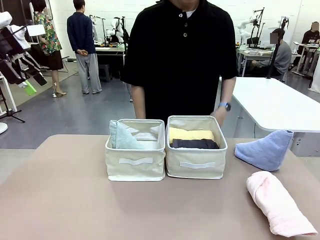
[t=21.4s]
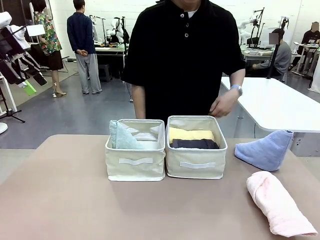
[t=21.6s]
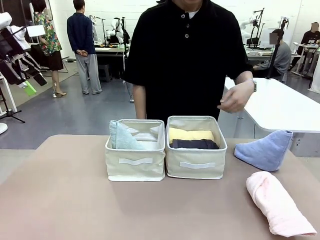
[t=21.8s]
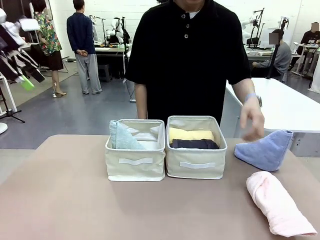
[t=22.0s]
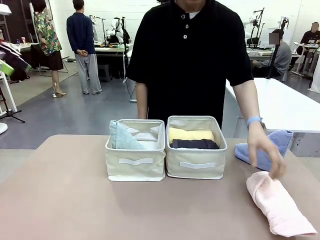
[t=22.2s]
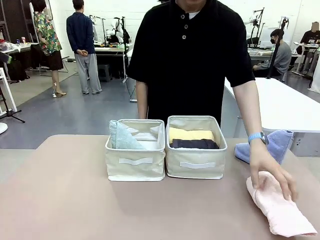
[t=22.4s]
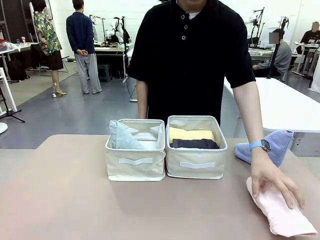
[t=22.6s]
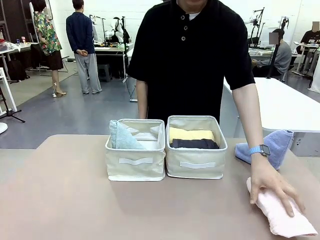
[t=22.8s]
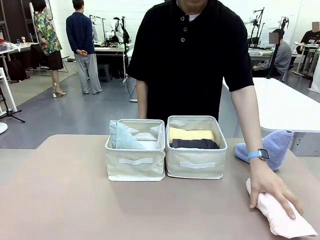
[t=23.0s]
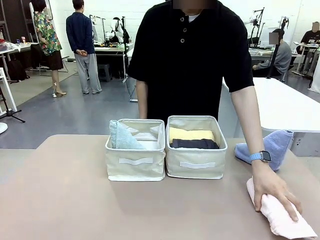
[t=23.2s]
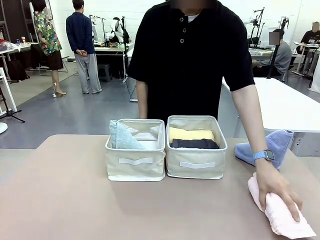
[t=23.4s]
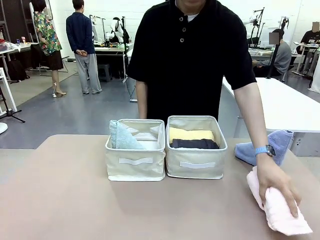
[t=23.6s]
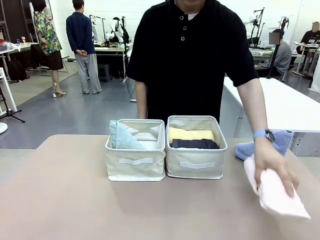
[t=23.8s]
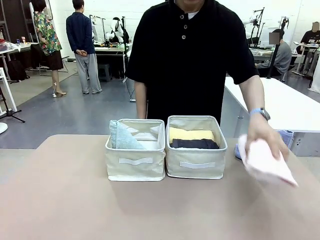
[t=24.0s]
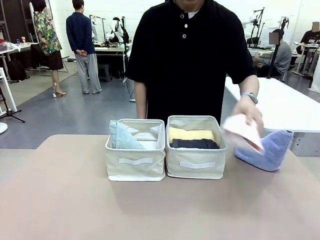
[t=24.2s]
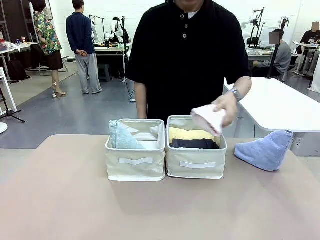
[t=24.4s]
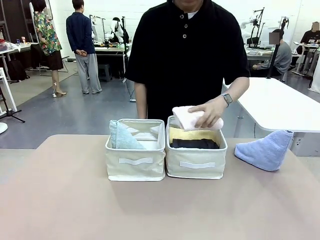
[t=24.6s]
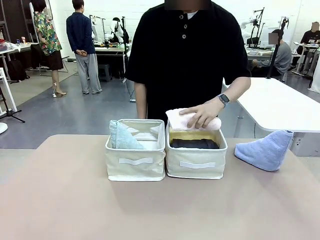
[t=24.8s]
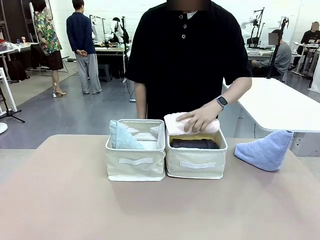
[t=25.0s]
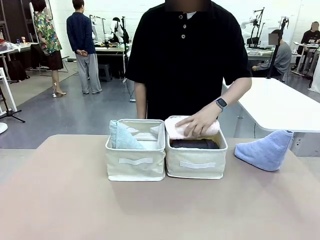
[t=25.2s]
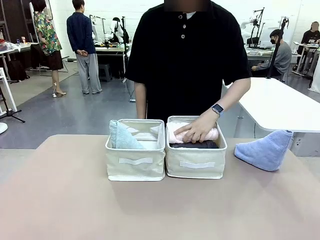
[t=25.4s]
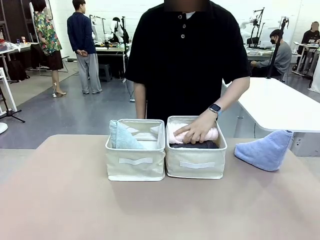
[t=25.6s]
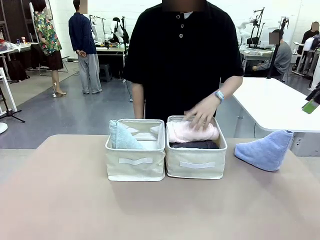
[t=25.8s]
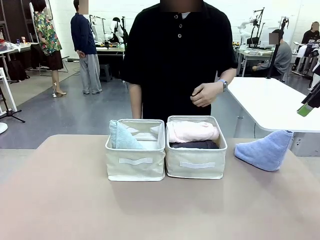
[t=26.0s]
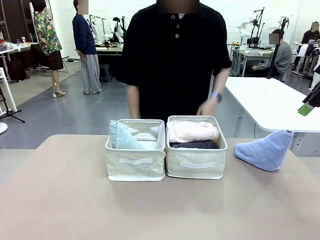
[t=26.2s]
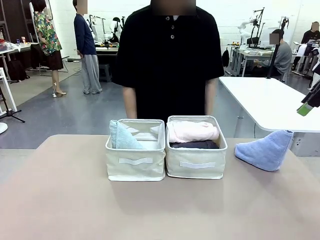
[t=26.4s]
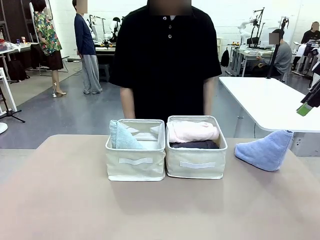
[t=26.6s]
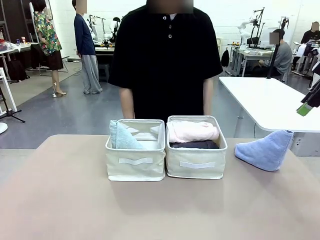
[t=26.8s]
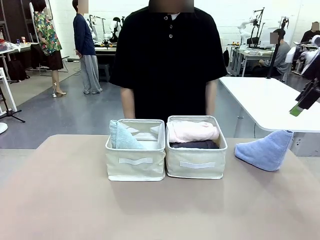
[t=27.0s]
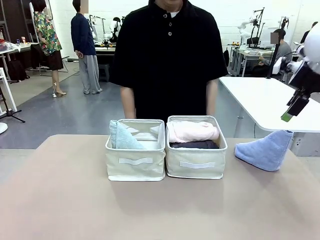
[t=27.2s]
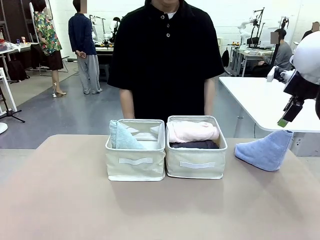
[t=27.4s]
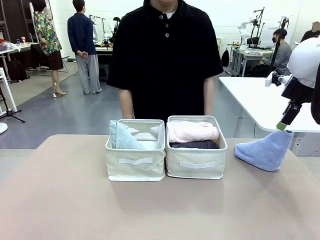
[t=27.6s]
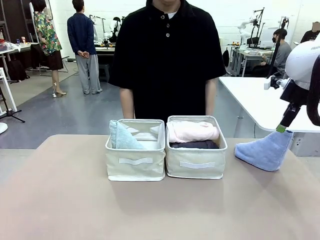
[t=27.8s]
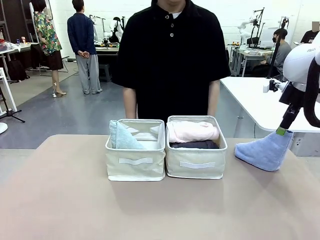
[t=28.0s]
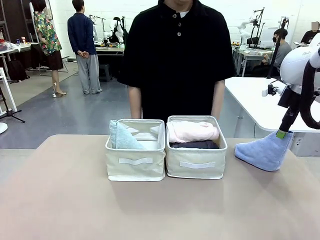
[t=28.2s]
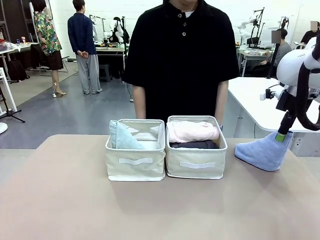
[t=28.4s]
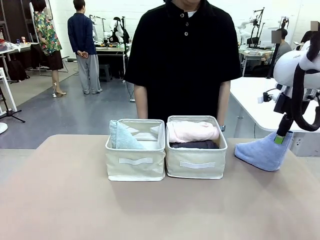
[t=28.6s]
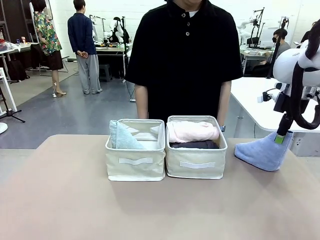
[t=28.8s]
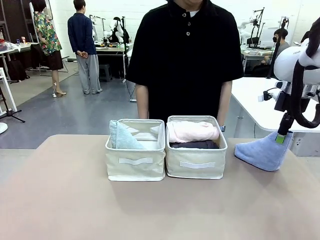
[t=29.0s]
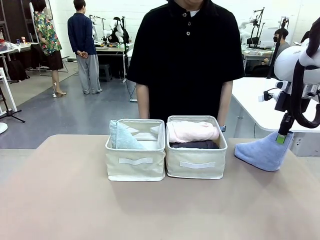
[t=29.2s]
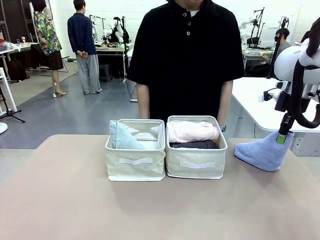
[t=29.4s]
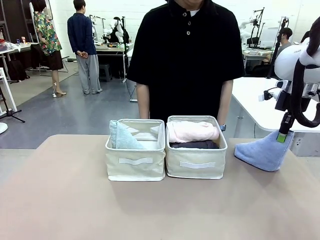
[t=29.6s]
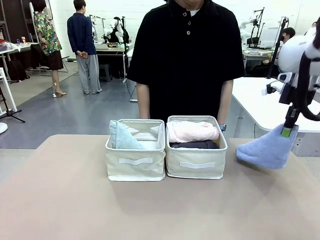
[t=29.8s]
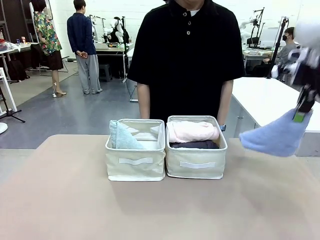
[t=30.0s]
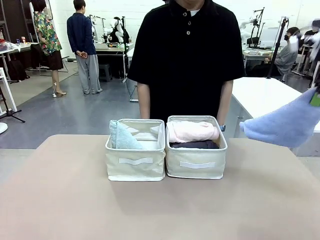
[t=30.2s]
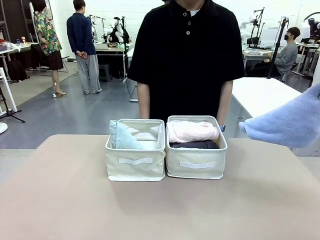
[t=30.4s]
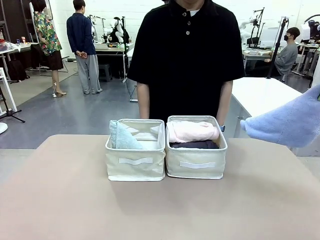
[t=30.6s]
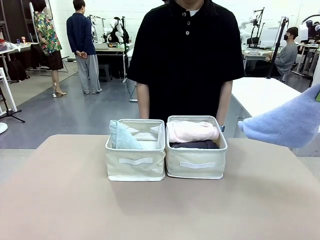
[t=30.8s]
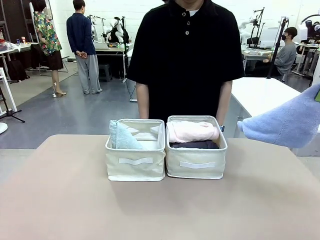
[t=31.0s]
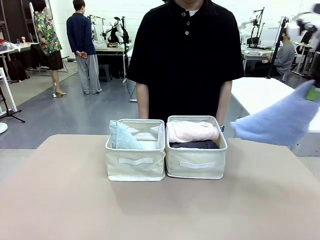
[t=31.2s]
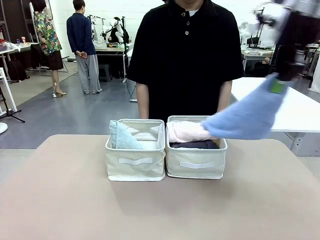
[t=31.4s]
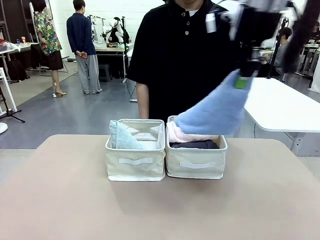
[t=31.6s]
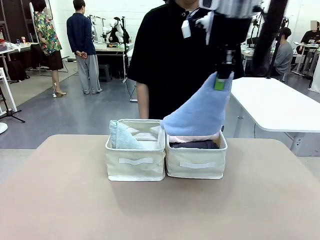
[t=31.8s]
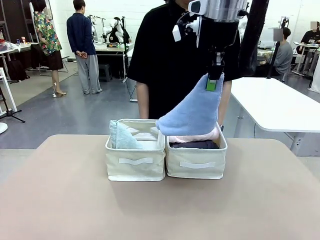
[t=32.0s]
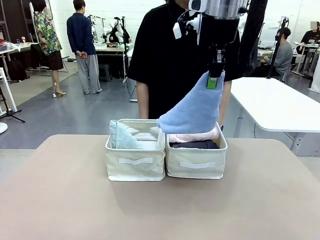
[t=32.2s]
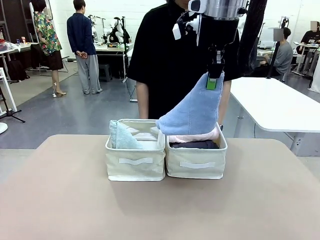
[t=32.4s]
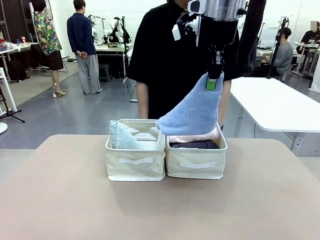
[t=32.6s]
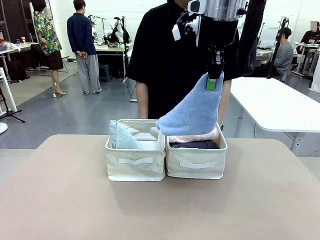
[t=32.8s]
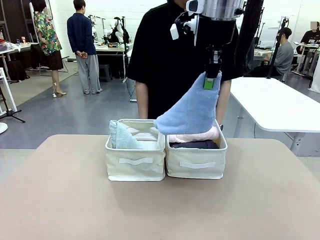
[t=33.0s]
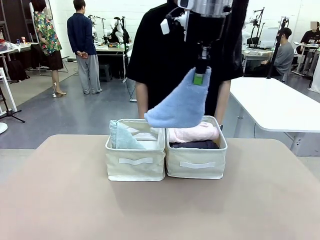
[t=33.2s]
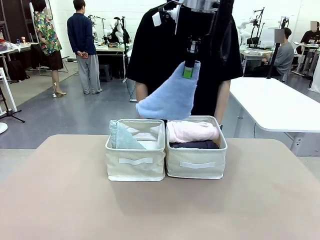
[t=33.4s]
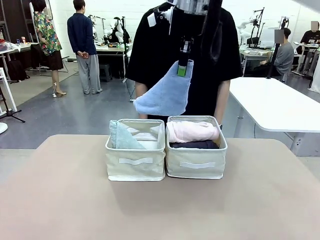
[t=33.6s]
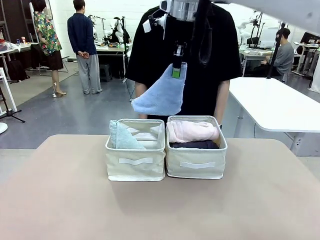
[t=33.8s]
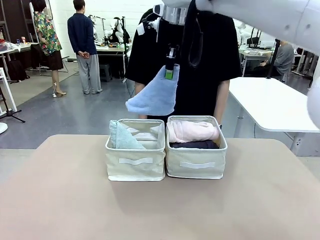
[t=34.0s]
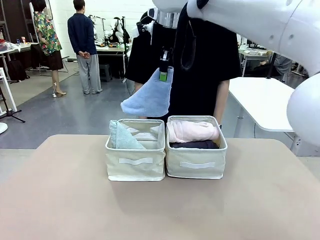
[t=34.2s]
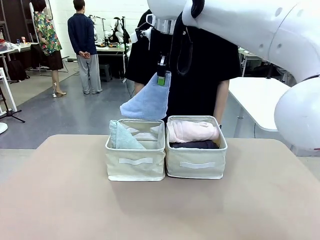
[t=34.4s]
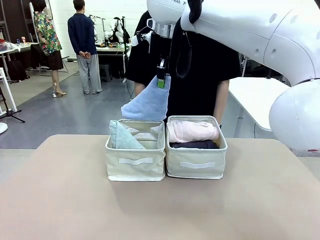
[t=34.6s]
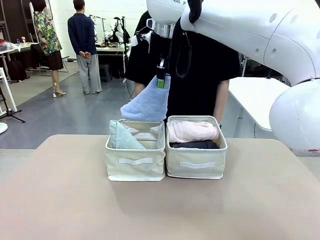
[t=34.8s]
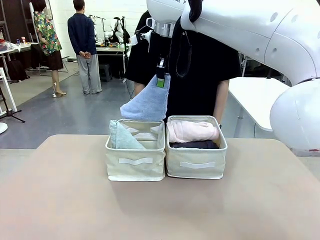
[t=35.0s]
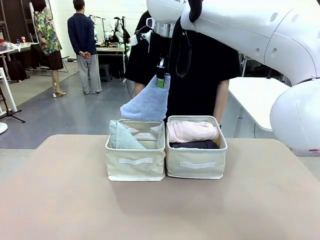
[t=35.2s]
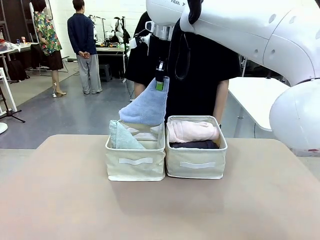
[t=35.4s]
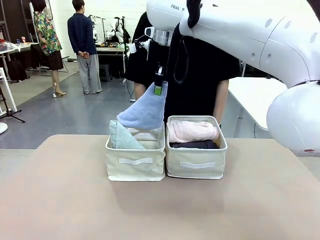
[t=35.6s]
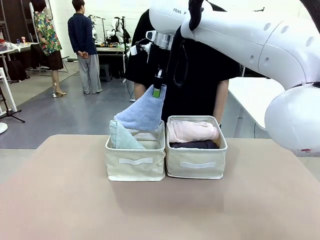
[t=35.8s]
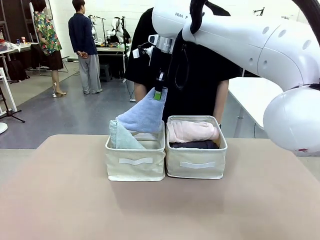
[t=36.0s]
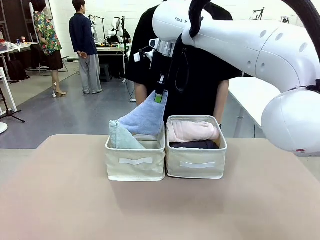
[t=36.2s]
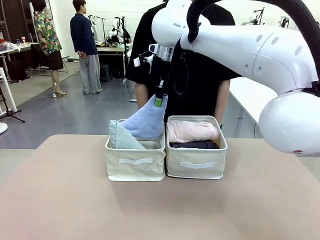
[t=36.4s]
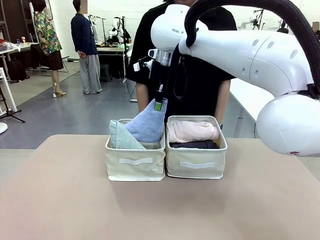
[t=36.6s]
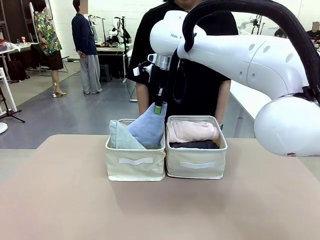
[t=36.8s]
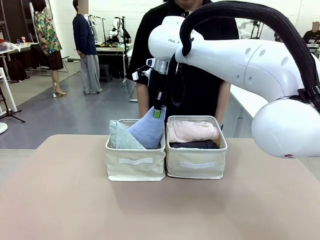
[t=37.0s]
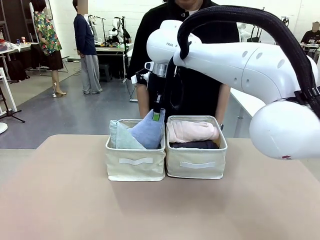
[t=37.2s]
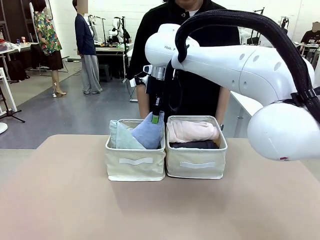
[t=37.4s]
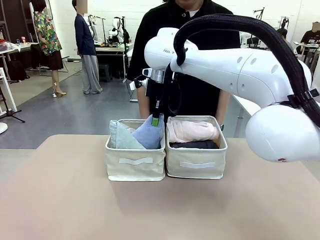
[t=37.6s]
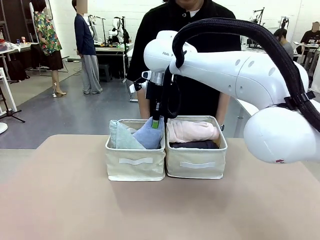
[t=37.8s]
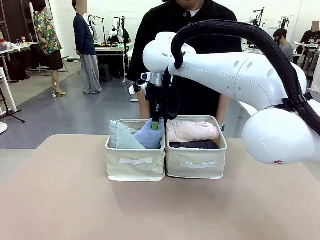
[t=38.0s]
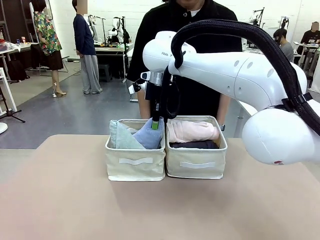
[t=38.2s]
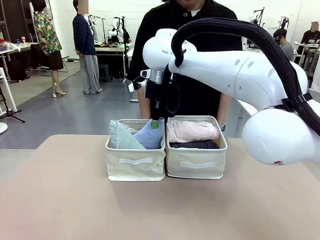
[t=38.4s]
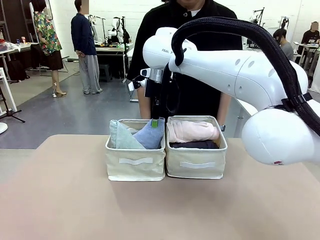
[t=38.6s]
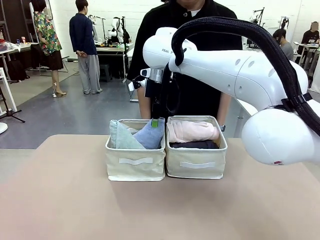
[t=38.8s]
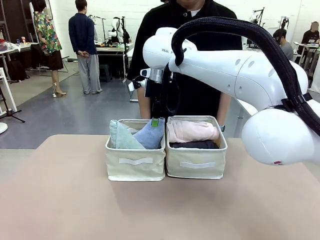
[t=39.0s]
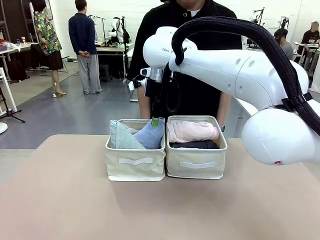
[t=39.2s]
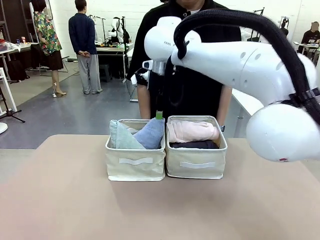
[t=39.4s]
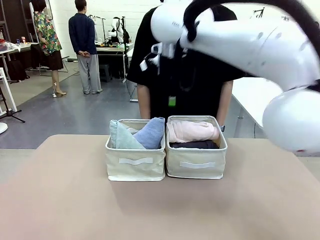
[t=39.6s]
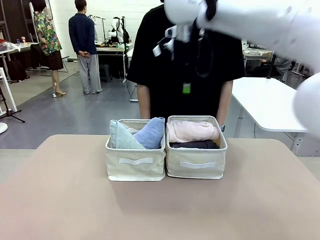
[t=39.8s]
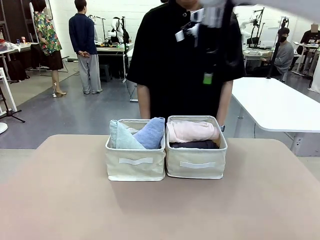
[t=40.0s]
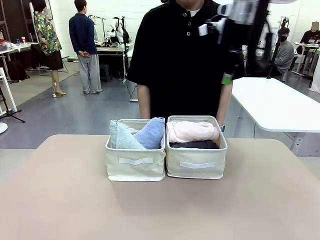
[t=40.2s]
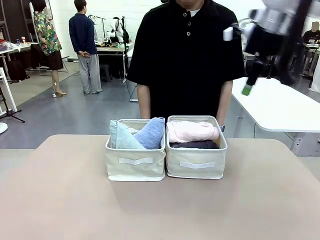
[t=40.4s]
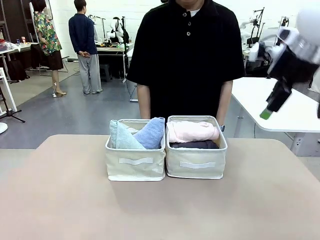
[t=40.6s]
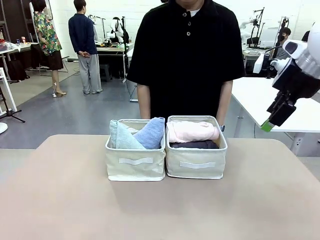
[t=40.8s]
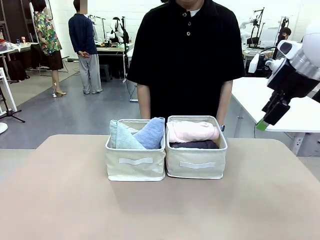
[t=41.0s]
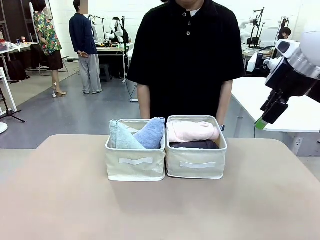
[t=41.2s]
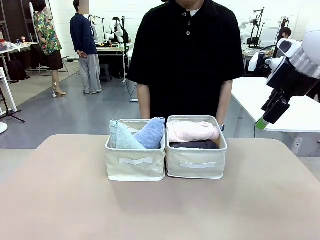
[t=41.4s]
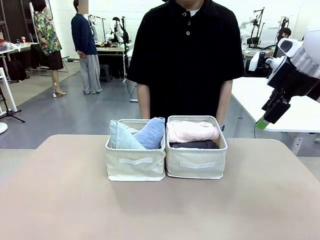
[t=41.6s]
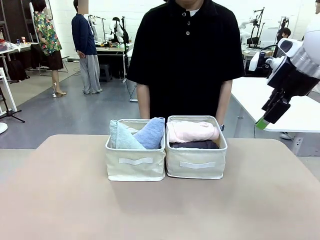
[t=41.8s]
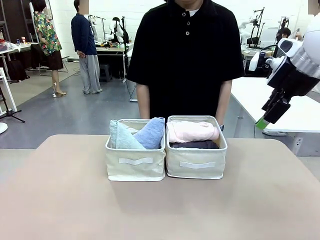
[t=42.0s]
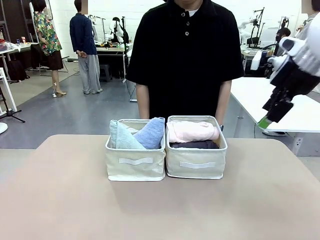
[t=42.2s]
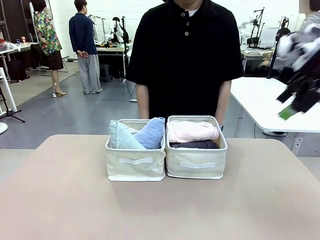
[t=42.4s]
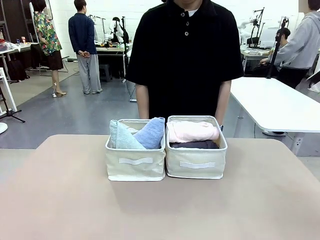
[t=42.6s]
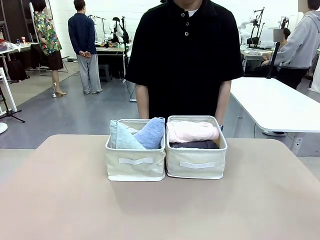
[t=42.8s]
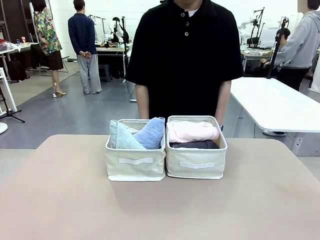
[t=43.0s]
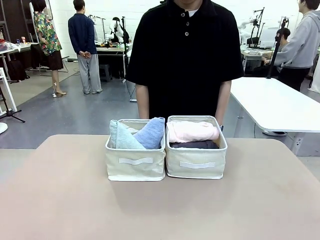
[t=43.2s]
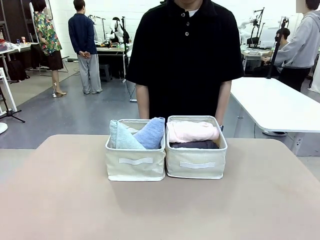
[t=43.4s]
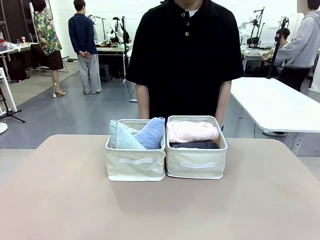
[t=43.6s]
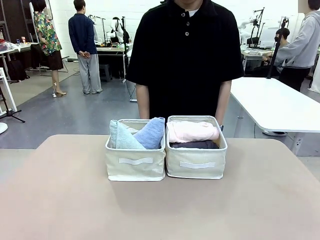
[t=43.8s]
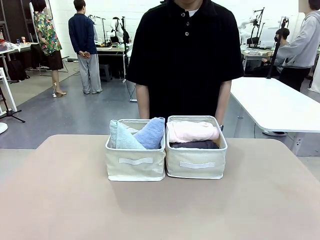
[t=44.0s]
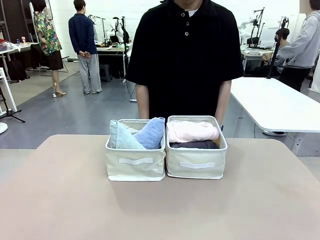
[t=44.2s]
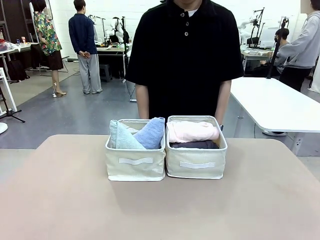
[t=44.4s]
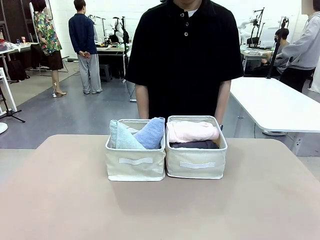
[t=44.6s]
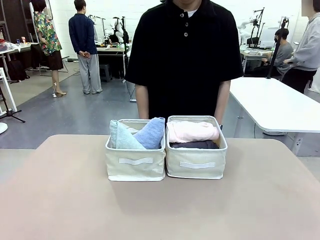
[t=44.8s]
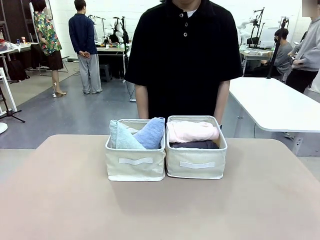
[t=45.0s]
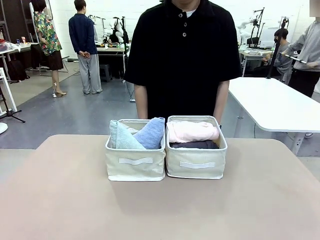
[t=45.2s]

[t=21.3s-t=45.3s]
Task: Sort the towels based on their folding style.
Robot: Pick up another triangle-folded towel from the table and place it in the left Fabric basket.
Person: Pick up one hotel-style rolled towel from the table and place it in the left fabric basket.
